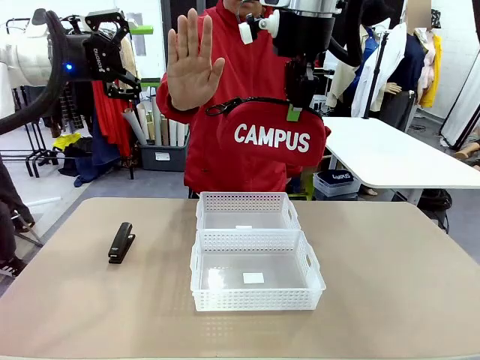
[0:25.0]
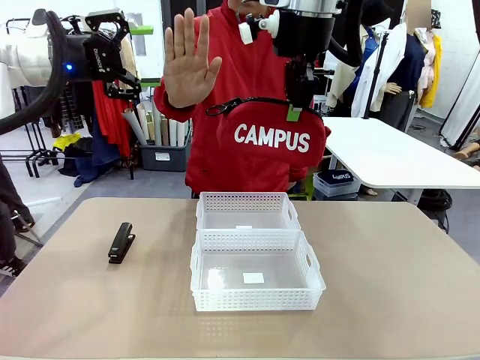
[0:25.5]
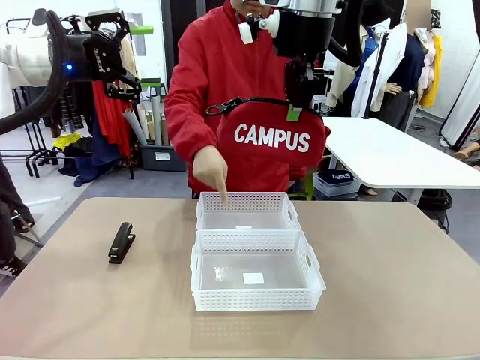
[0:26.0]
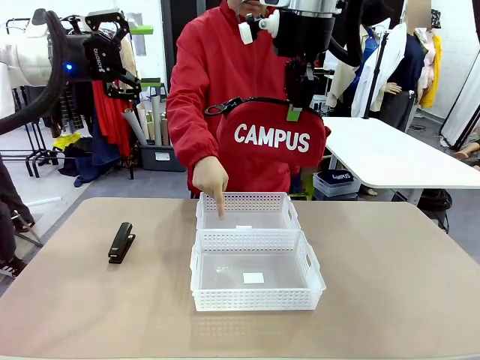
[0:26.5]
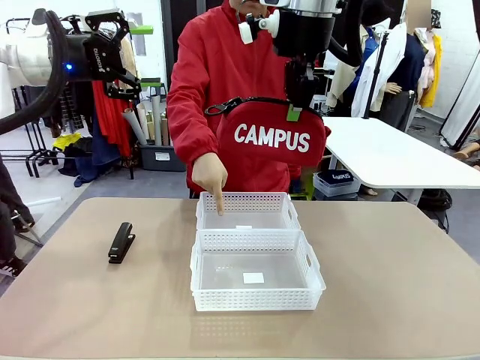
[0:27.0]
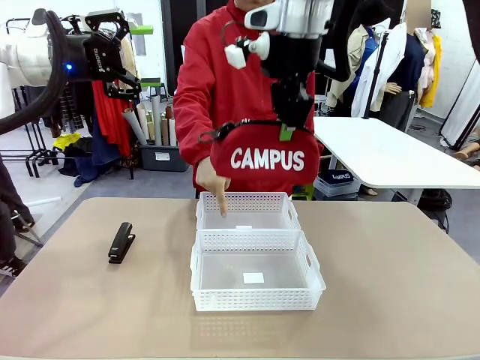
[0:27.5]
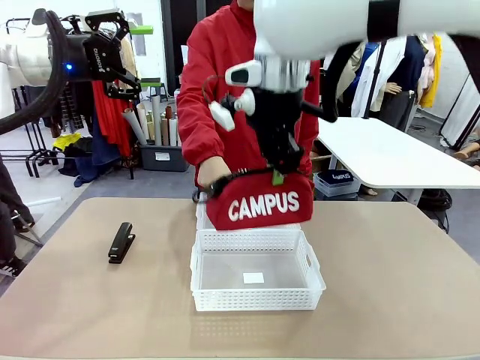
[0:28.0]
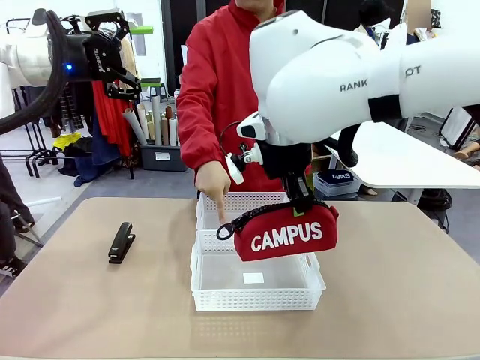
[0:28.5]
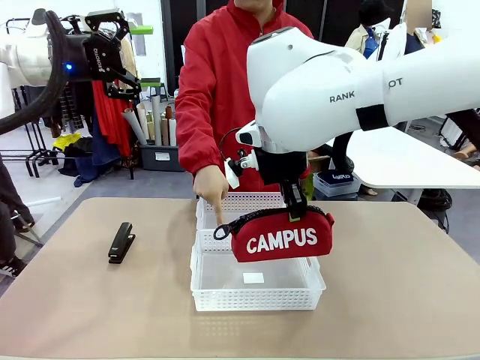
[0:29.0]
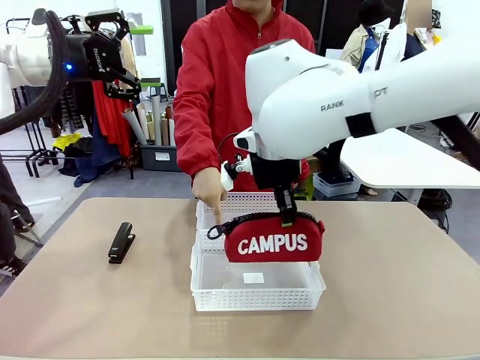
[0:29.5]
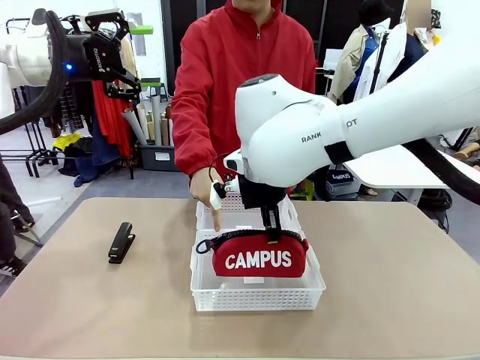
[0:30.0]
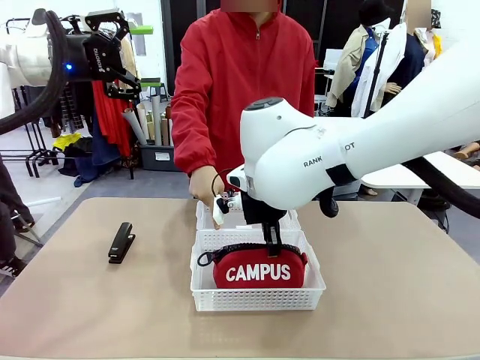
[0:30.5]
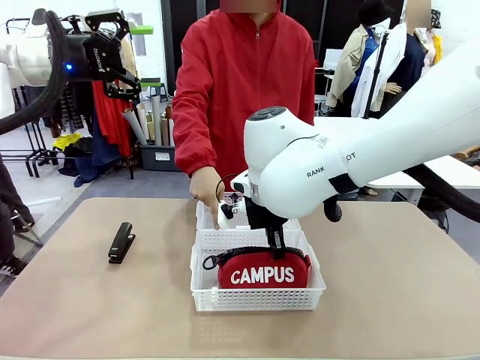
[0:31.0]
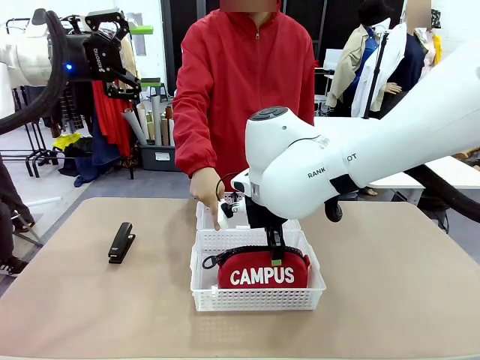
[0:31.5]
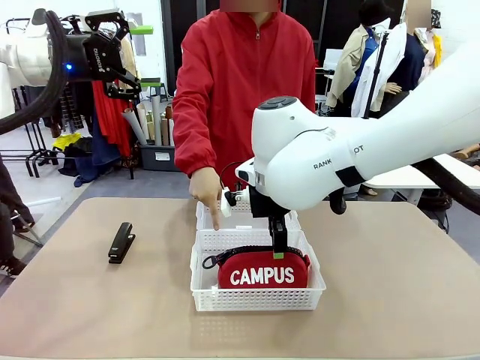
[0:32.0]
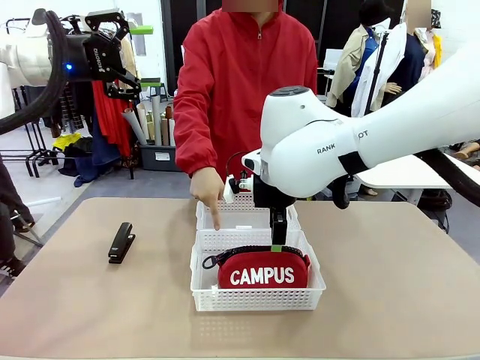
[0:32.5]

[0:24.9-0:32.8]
Task: Distribute items into two baskets.
Robot: Place the picked Pencil pouch into the Organizing basket as instructed by the person.
Person: Instructs the robot to place the pencil case into the opposite basket.

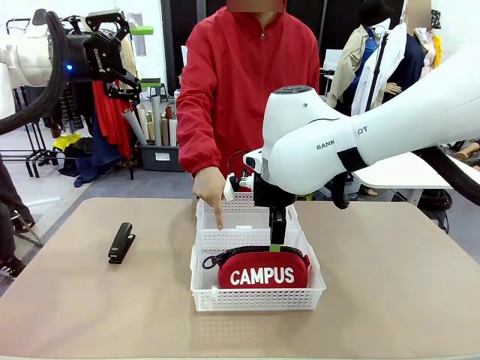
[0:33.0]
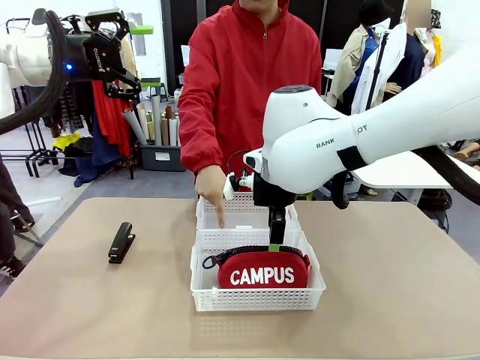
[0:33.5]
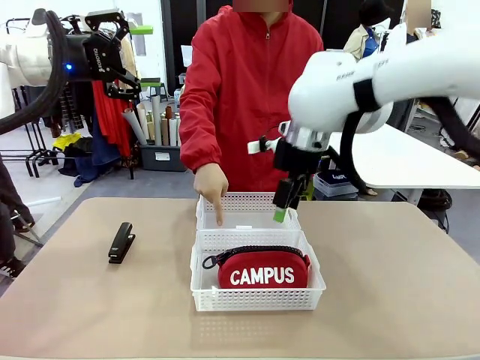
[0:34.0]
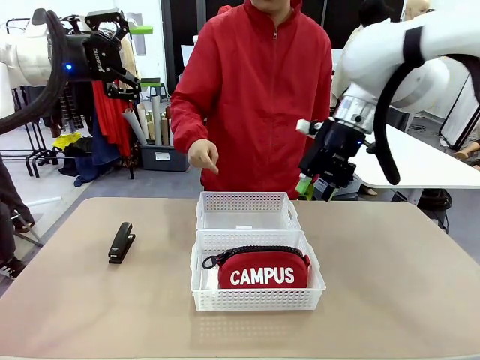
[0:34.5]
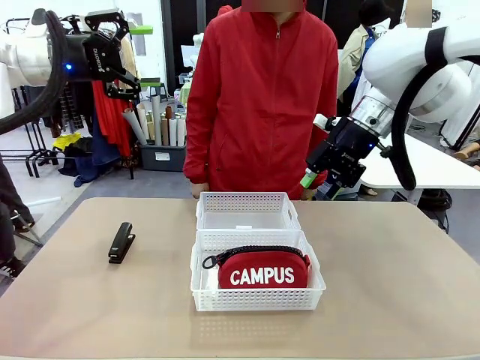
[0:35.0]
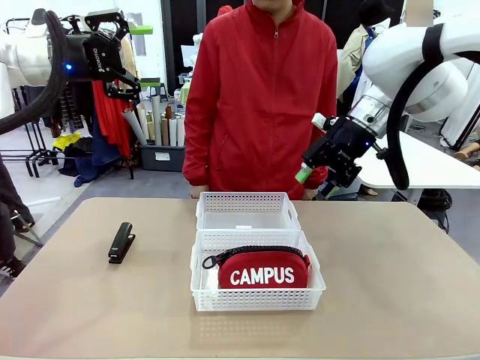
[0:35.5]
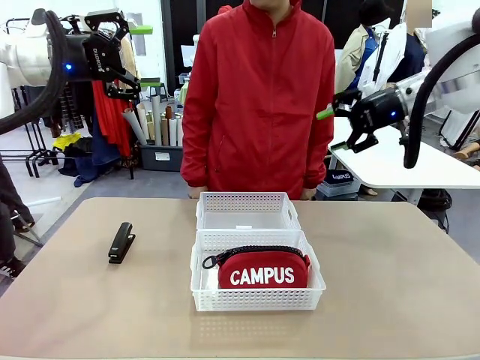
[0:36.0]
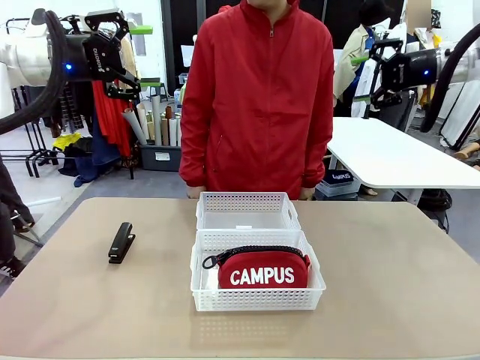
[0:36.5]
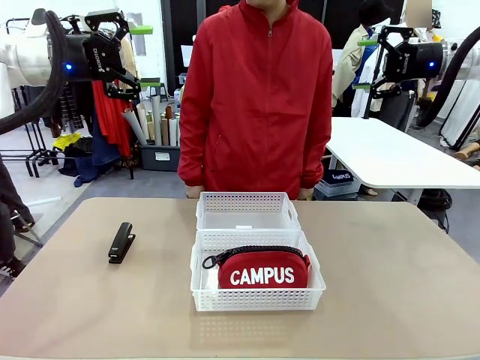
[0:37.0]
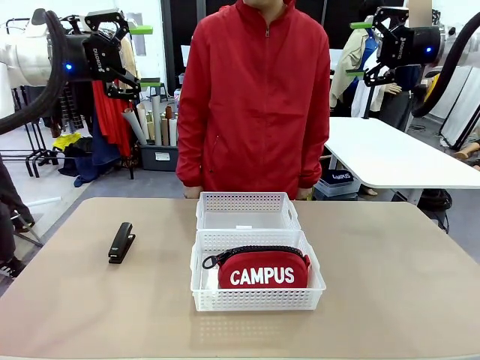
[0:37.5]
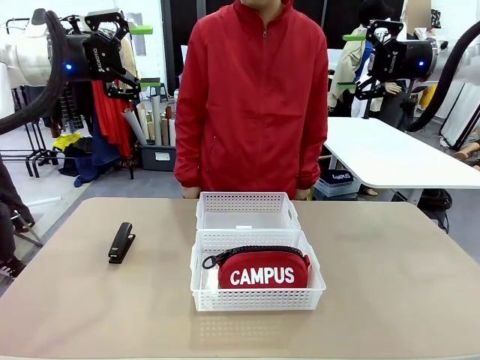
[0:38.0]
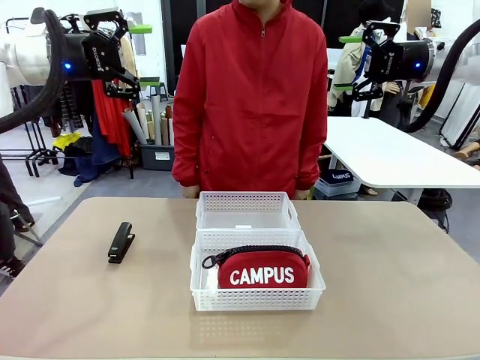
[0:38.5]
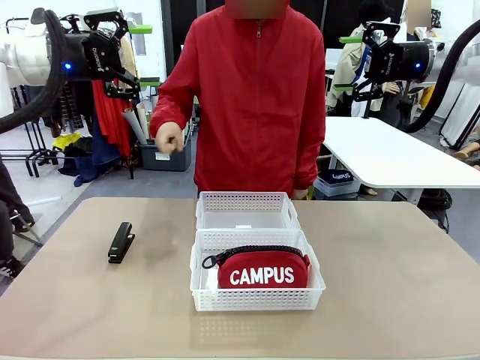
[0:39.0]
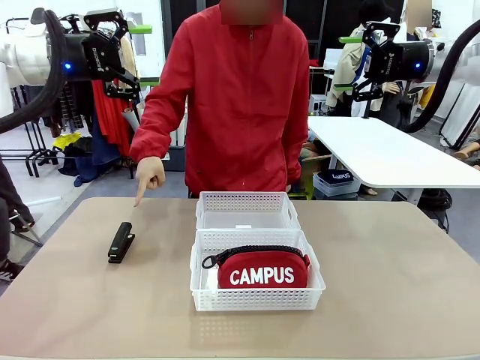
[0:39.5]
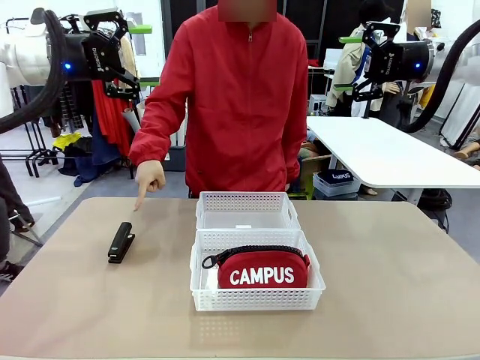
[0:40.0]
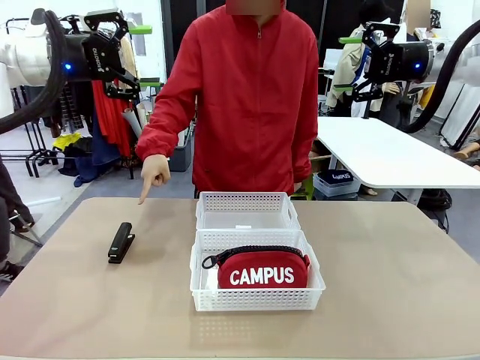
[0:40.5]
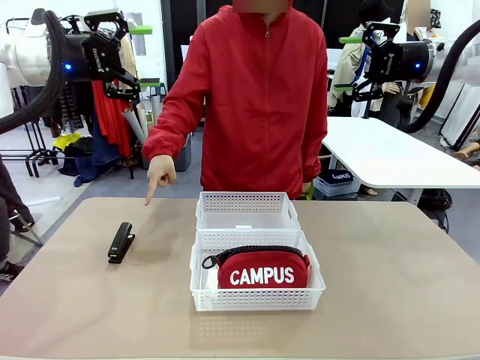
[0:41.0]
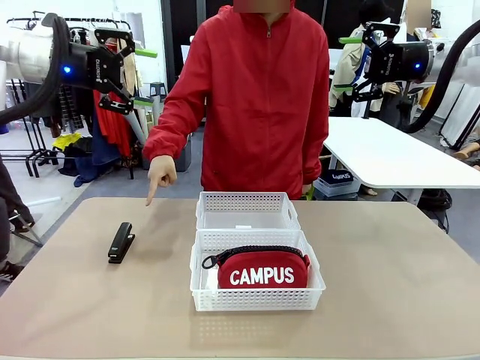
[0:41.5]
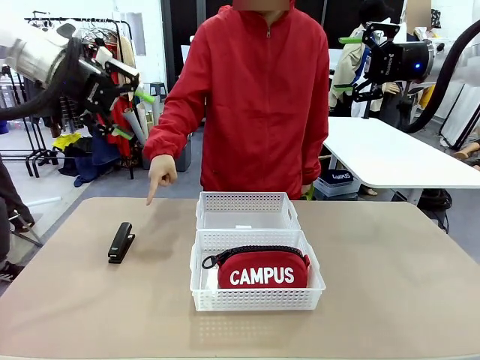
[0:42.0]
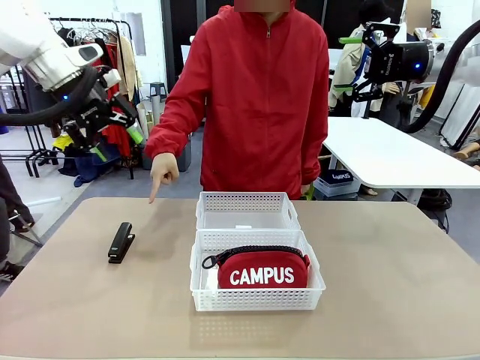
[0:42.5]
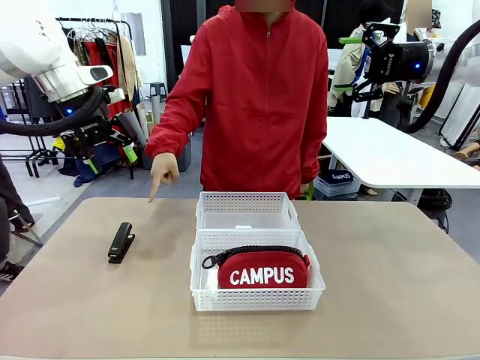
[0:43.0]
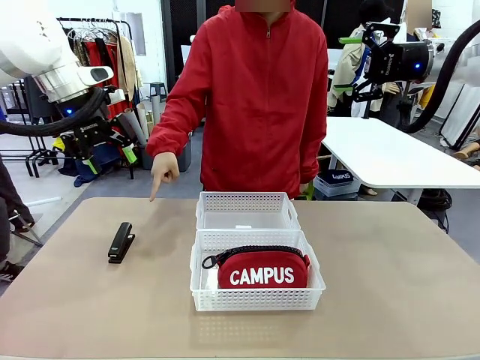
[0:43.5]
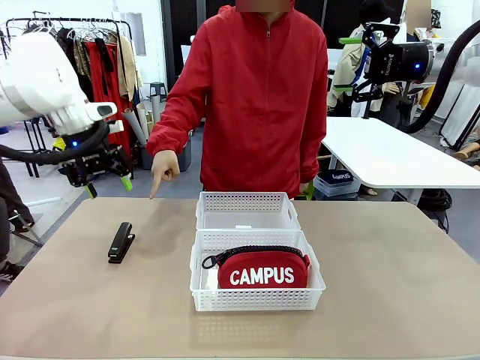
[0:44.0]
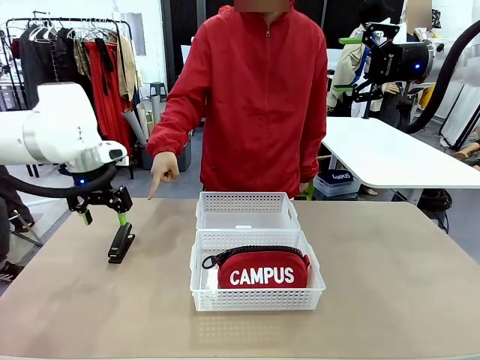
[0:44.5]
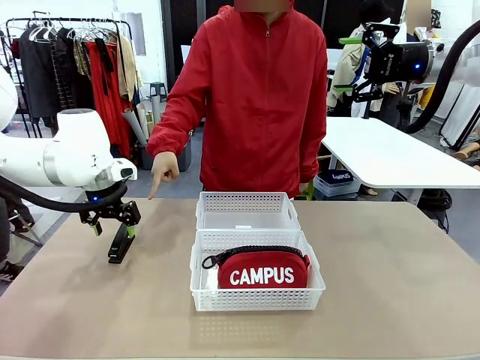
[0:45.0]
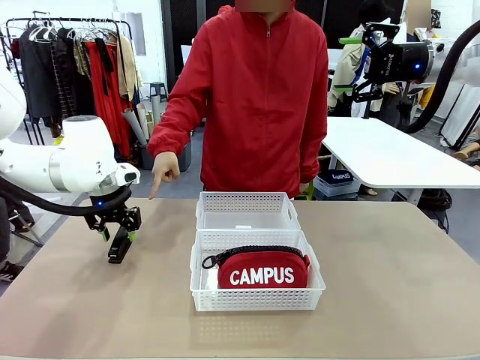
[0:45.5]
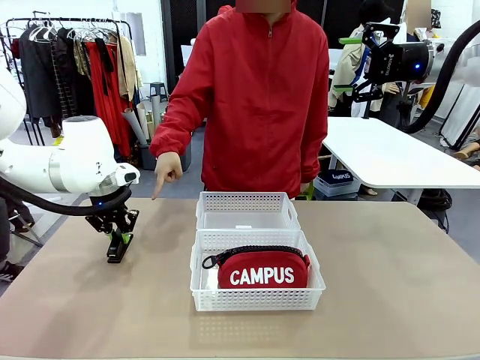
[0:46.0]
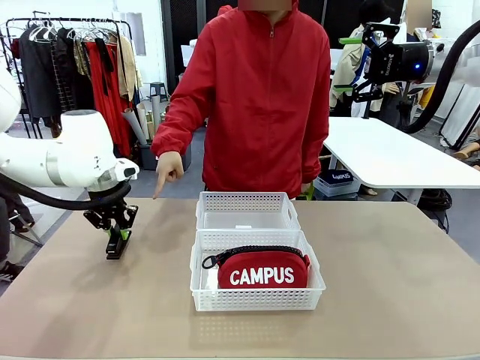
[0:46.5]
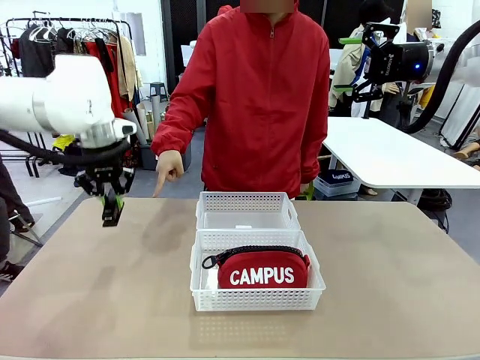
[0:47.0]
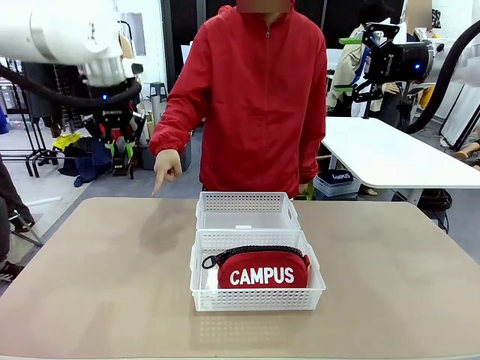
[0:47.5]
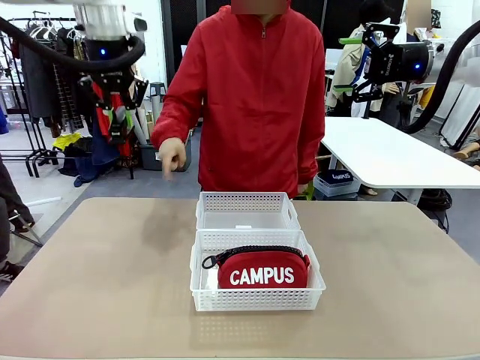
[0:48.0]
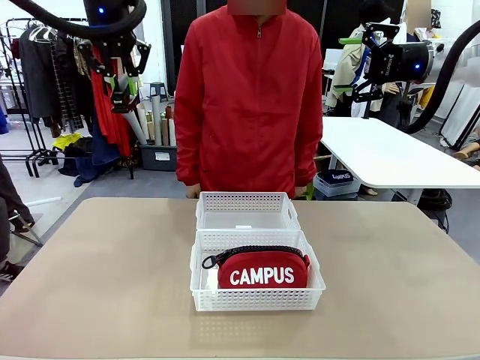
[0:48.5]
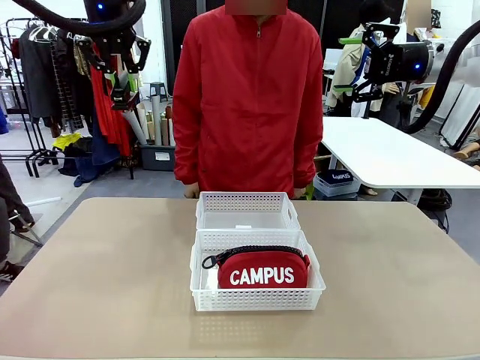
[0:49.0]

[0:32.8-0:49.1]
Robot: Pick up the Stapler that the person points to.
Person: Points to the stapler.
